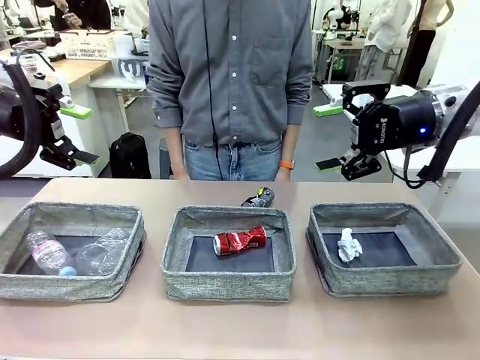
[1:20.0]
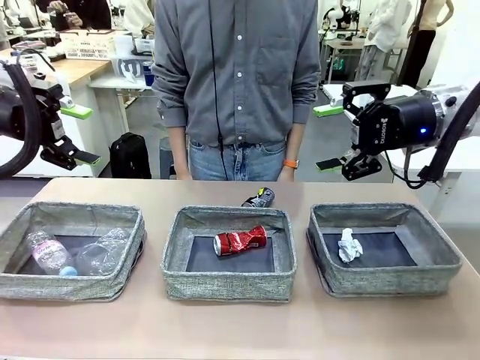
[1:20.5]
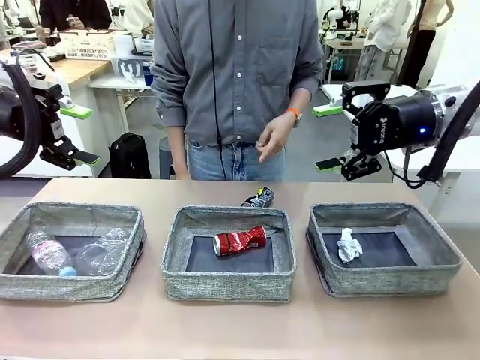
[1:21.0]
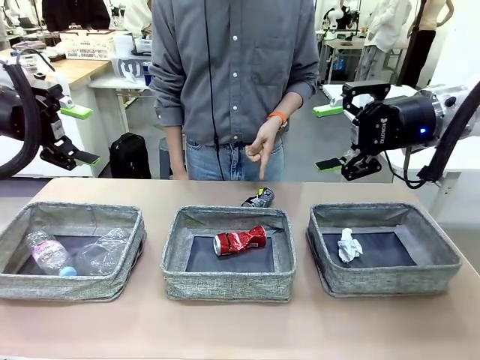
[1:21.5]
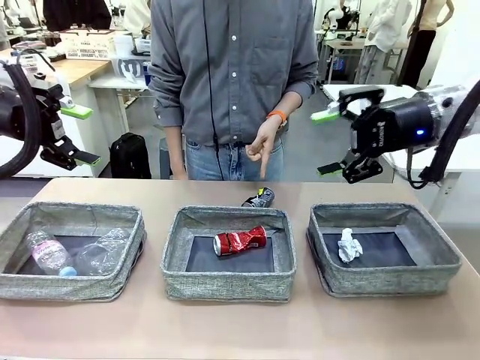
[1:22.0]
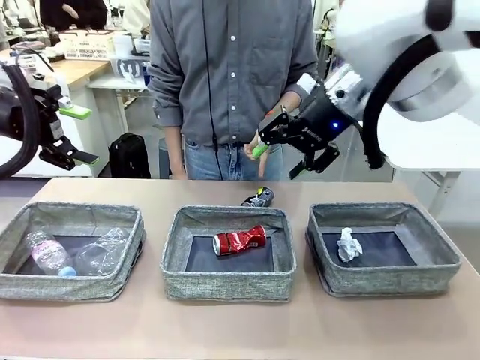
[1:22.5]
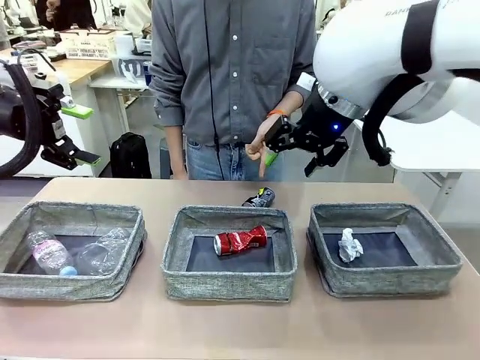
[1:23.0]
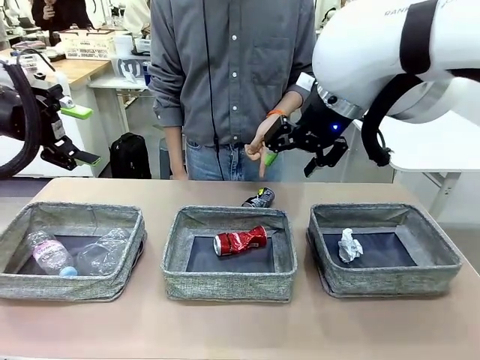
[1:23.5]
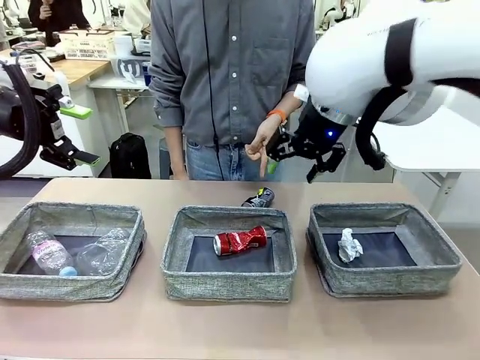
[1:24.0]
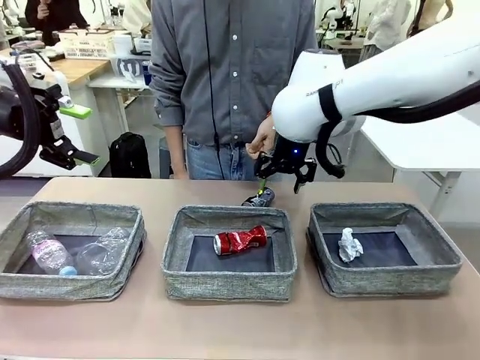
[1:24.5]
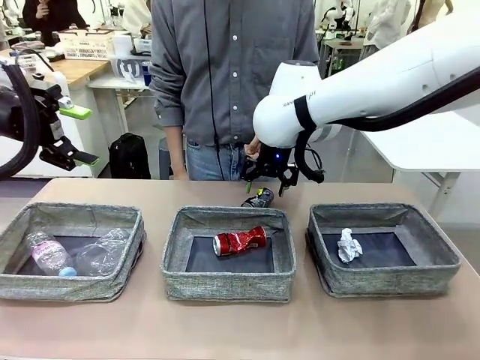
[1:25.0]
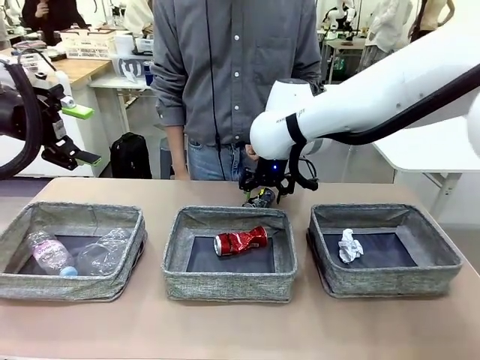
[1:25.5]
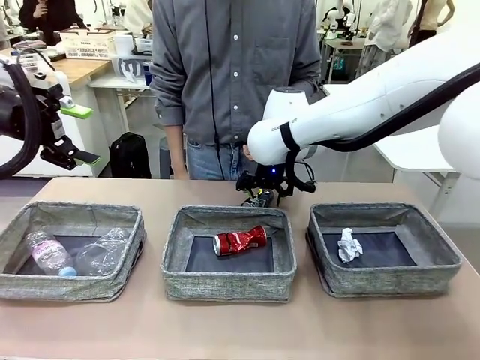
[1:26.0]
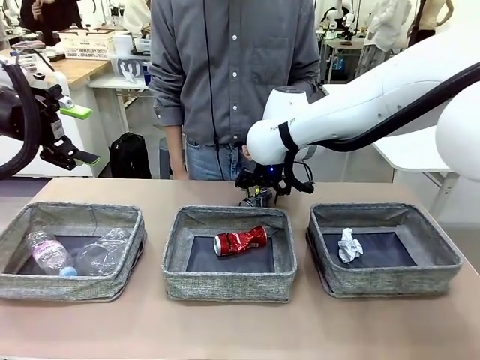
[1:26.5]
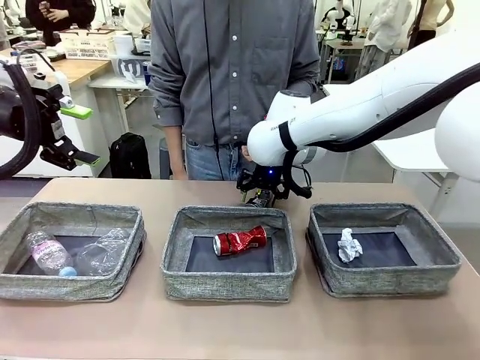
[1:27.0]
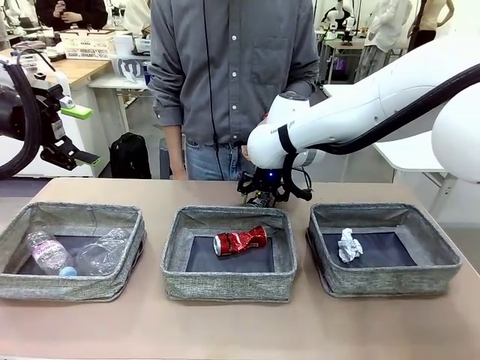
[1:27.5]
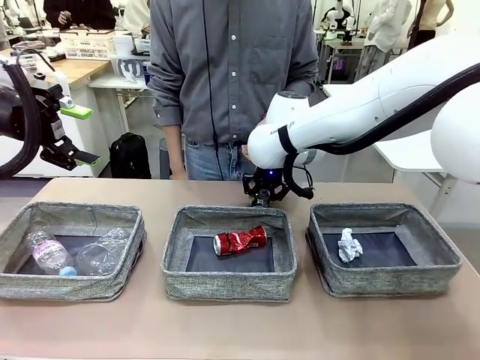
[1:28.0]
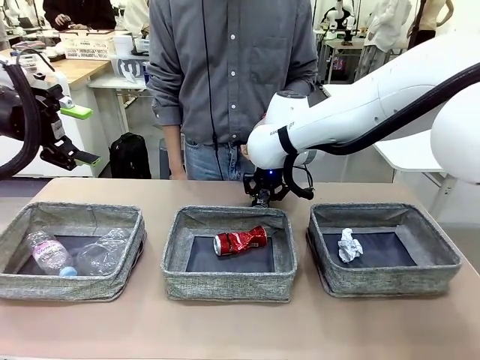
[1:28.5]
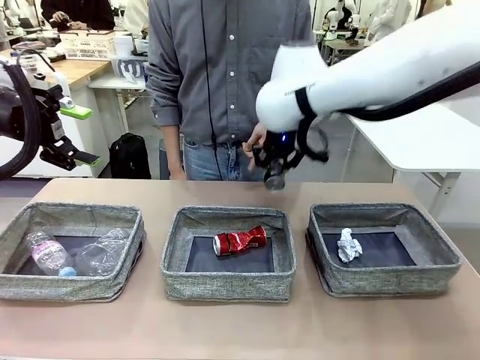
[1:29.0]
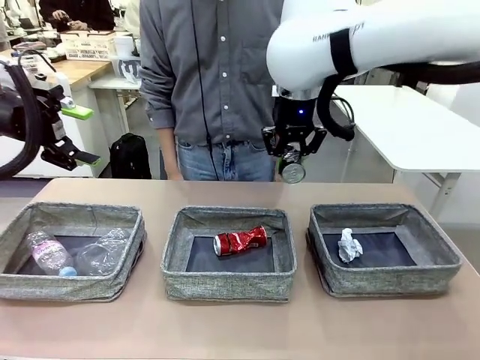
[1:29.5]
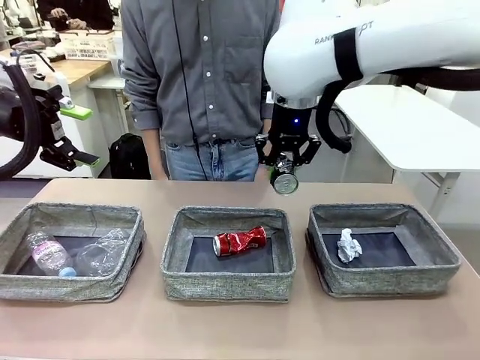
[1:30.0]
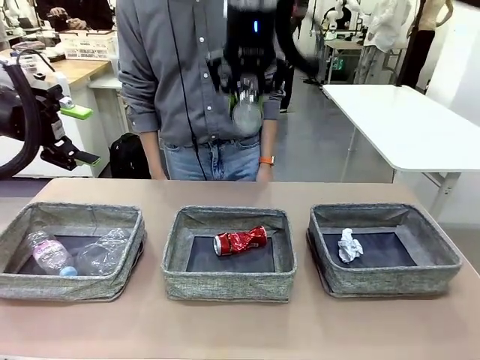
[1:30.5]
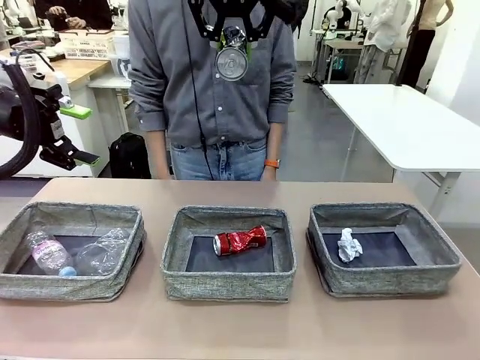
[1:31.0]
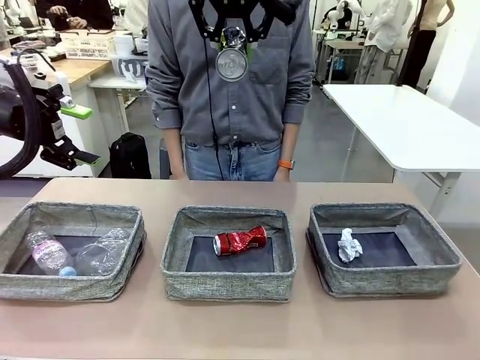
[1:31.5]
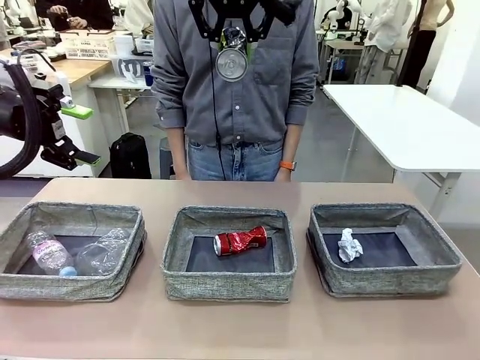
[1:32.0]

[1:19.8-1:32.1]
Task: Sort the waste into the appropriate baskets.
Robot: Pick up the waste item pointed out by the person.
Person: Points to one piece of trash on the table.

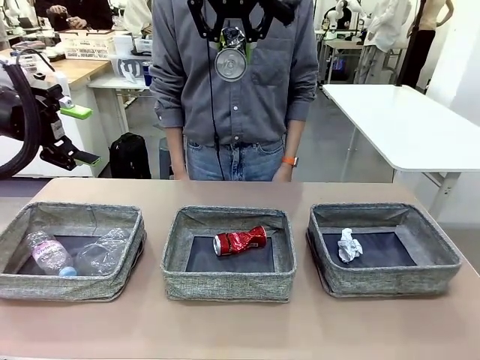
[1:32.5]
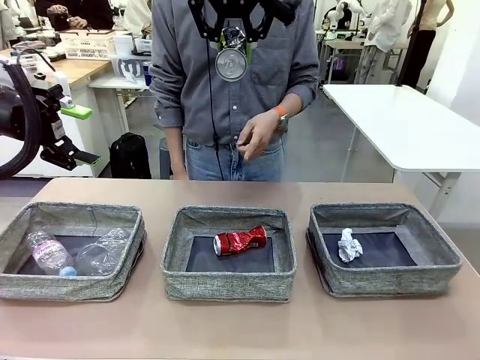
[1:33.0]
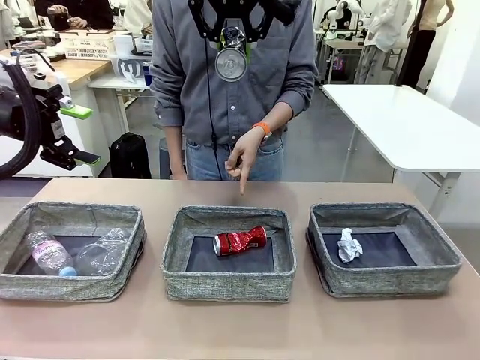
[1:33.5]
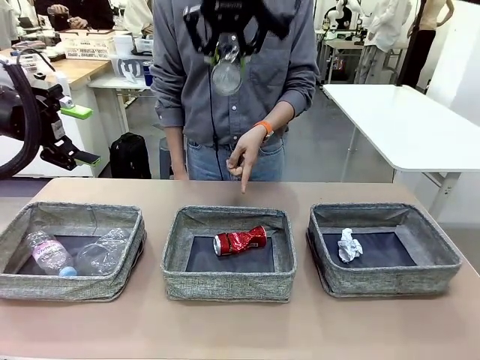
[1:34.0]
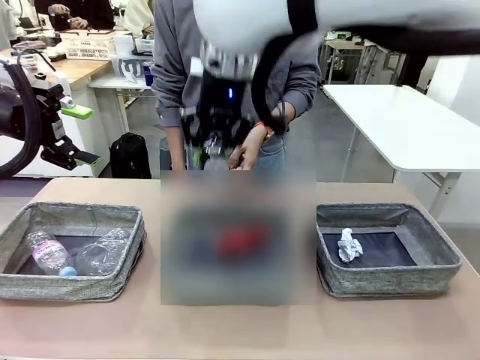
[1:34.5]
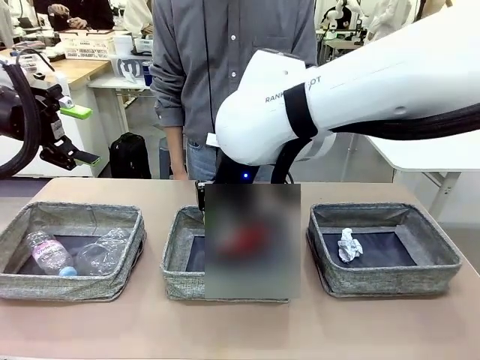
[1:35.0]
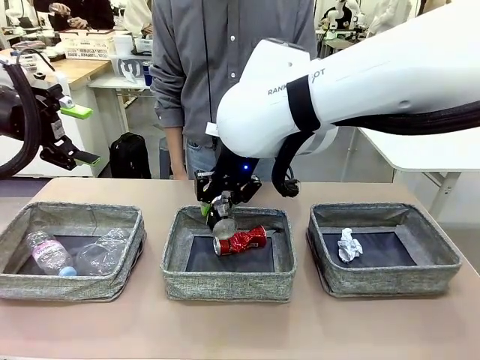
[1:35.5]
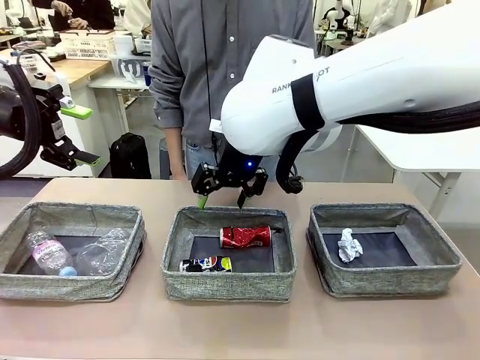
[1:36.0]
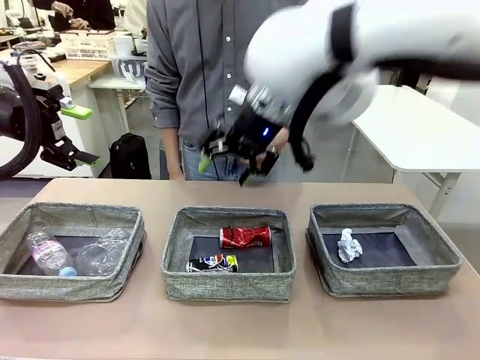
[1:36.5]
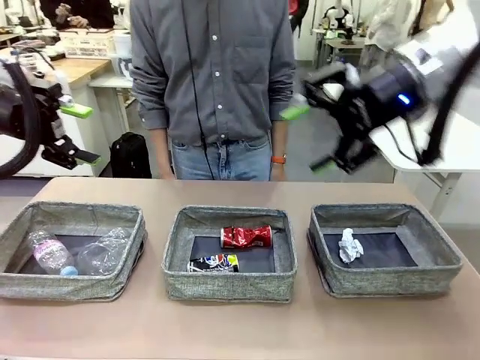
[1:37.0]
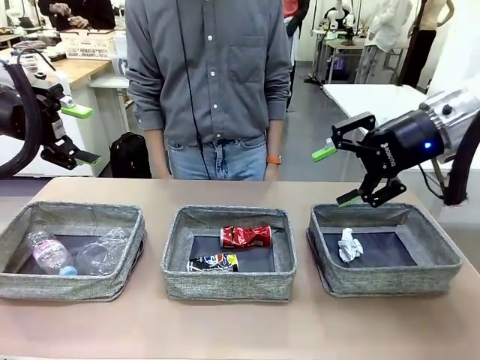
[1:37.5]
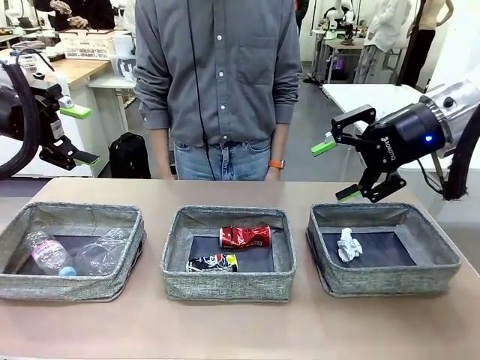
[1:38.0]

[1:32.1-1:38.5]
Robot: Place the picked waste into the Fabric basket indicated by the person.
Person: Instructs the robot to place the picked-up trash into the appropriate organizing basket.

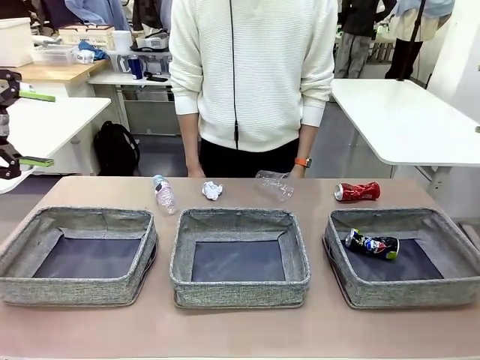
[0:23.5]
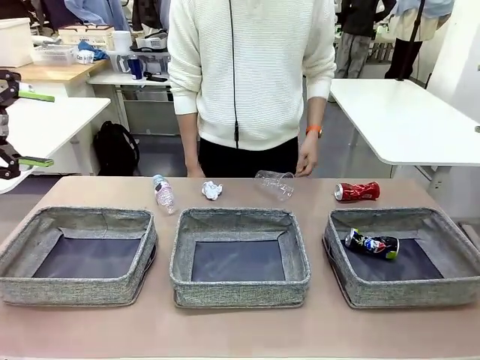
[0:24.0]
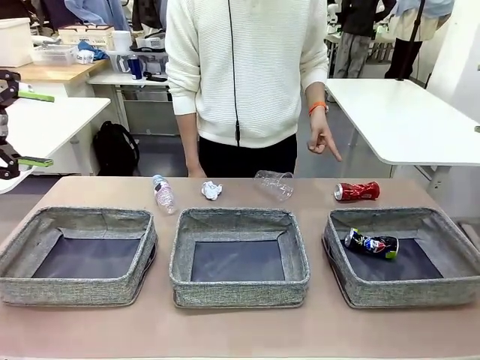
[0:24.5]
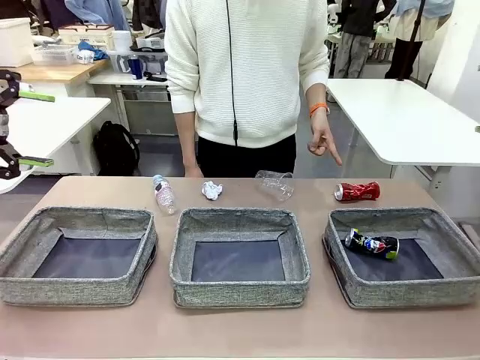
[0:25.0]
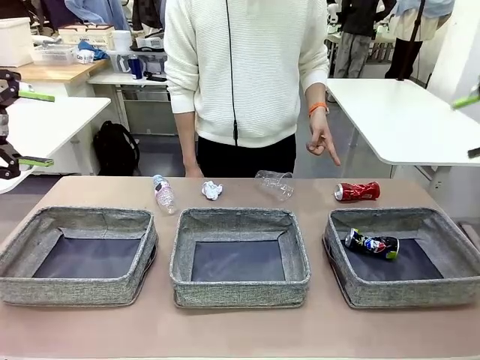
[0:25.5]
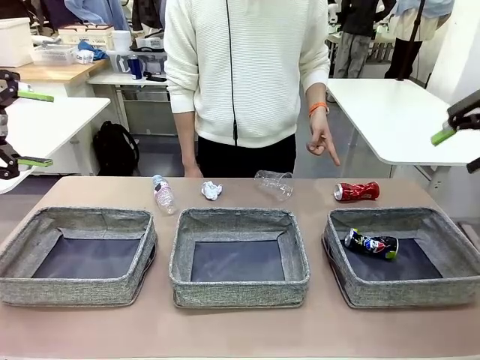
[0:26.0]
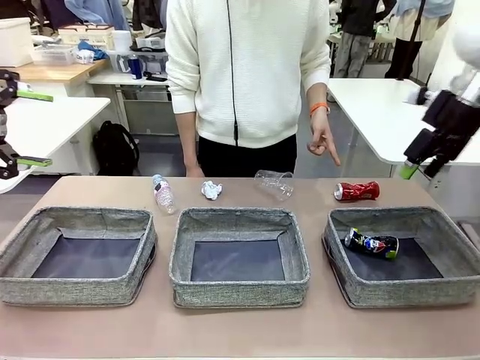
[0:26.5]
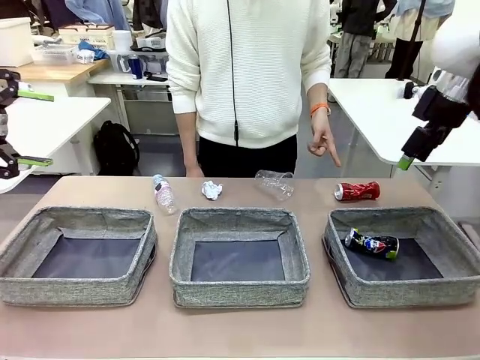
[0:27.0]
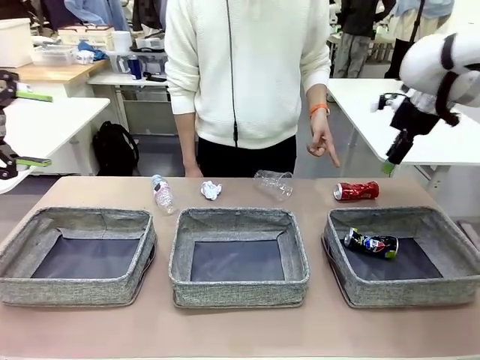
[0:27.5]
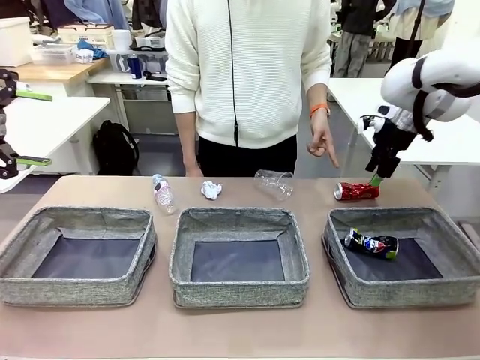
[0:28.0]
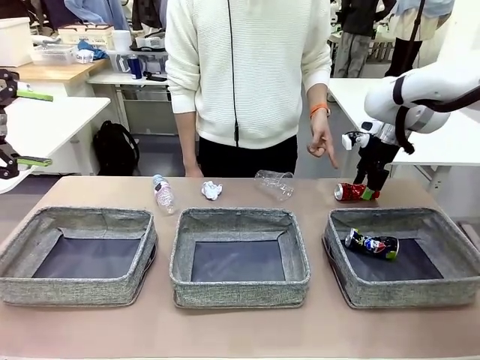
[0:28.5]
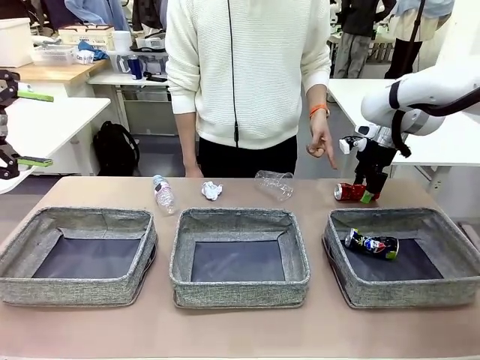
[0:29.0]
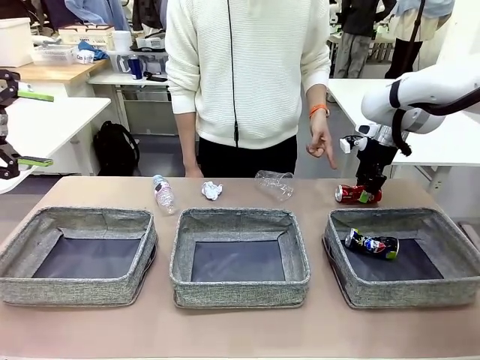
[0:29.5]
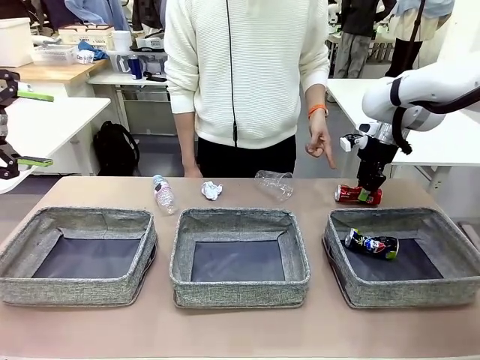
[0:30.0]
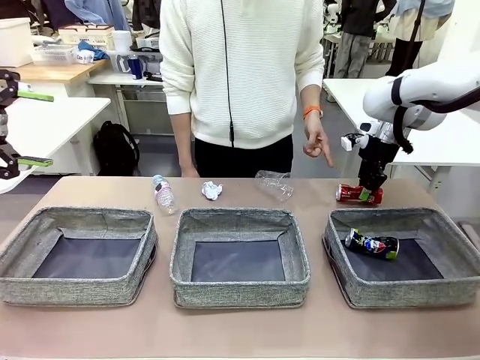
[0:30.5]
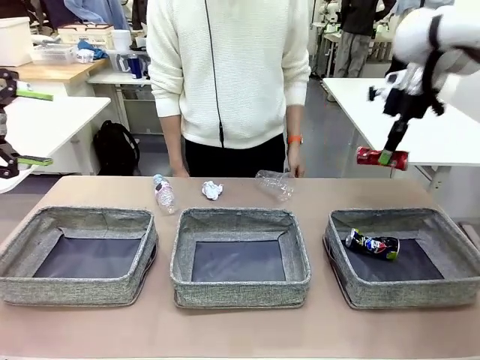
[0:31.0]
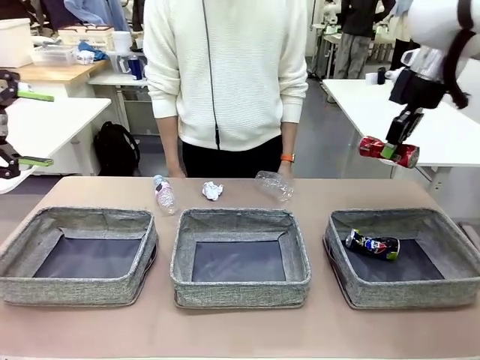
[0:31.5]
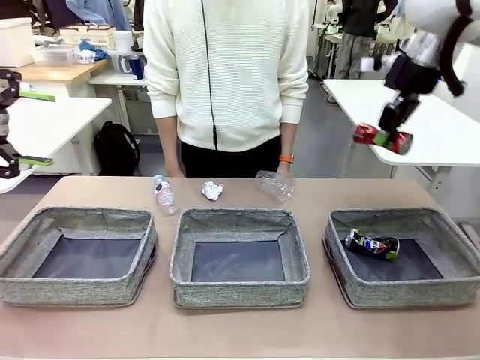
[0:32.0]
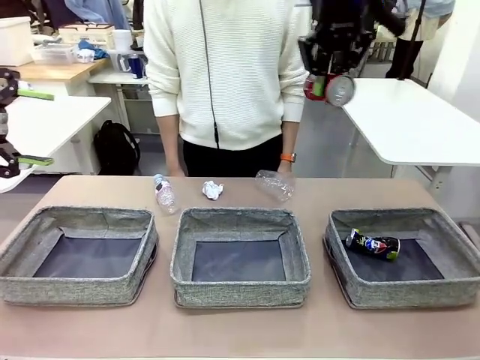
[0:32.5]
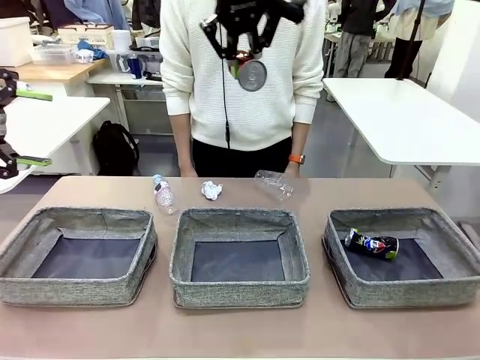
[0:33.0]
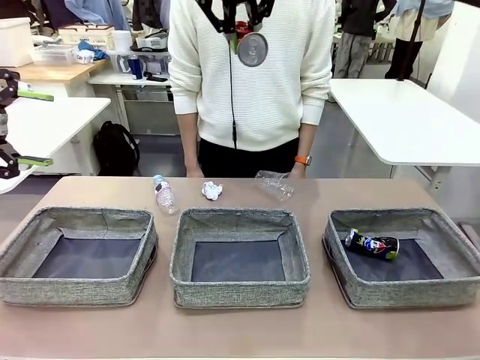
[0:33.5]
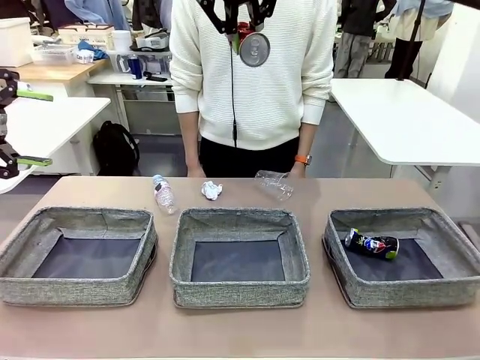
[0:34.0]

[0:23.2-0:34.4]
Task: Sort the waste into the appropriate baskets.
Robot: Pick up the waste item pointed out by the person.
Person: Points to one piece of trash on the table.
